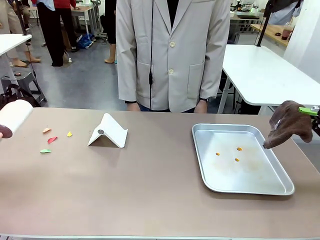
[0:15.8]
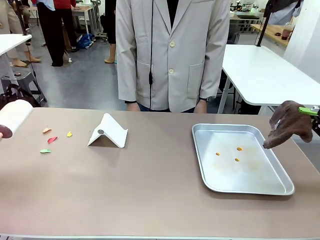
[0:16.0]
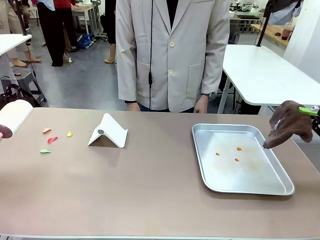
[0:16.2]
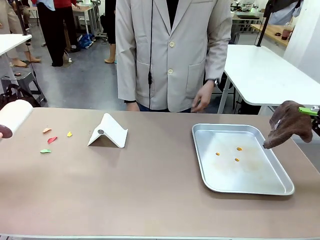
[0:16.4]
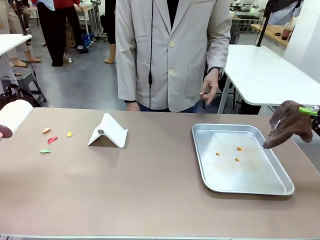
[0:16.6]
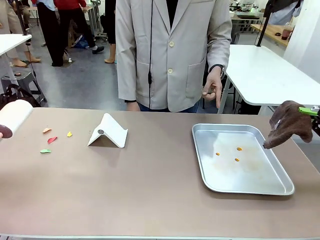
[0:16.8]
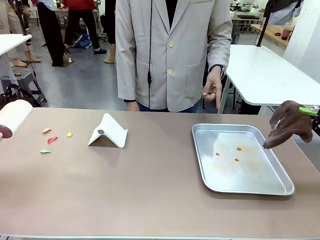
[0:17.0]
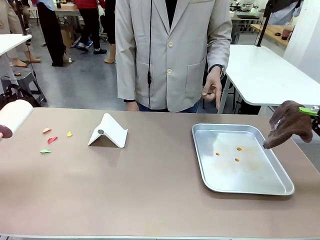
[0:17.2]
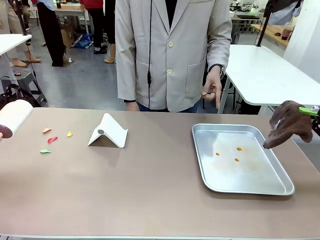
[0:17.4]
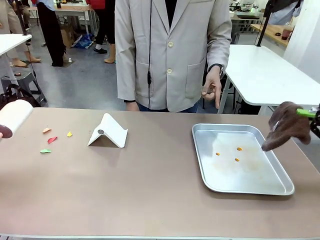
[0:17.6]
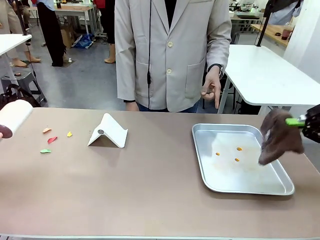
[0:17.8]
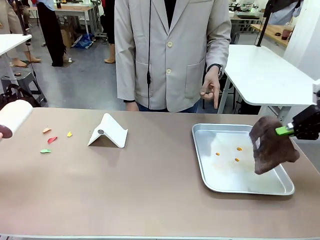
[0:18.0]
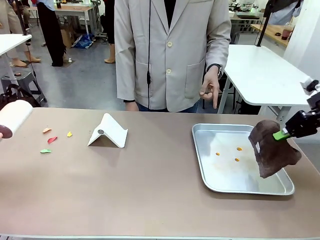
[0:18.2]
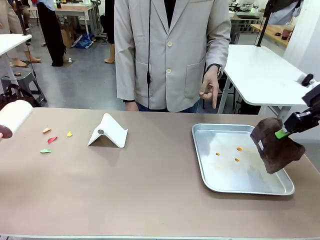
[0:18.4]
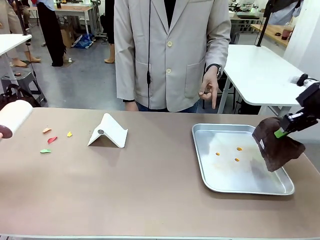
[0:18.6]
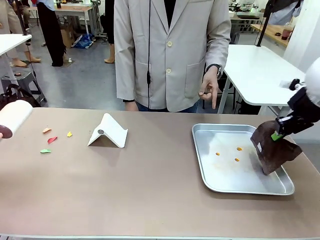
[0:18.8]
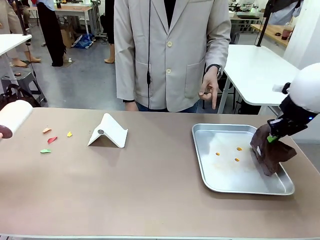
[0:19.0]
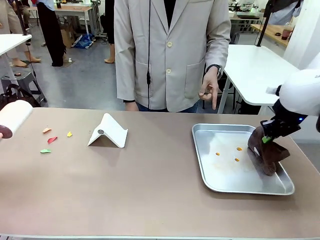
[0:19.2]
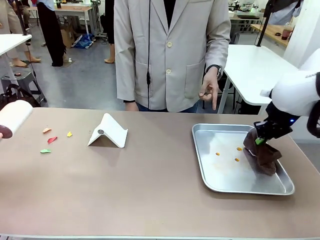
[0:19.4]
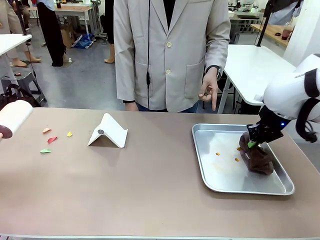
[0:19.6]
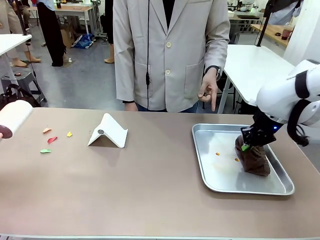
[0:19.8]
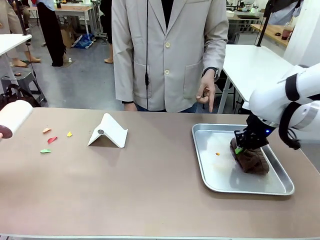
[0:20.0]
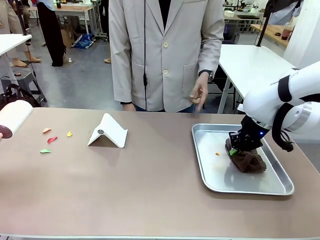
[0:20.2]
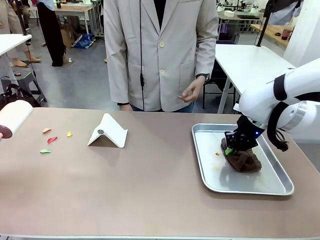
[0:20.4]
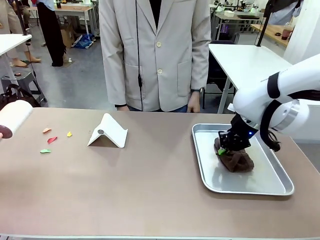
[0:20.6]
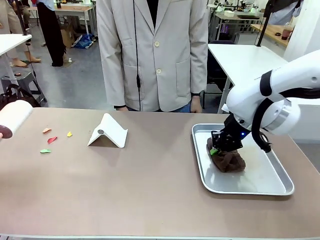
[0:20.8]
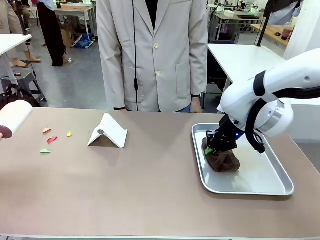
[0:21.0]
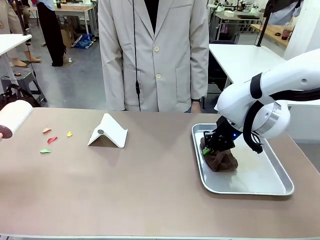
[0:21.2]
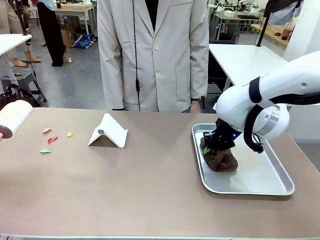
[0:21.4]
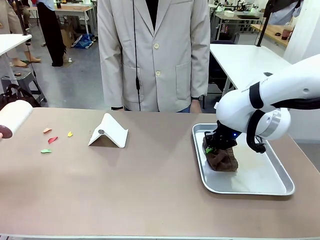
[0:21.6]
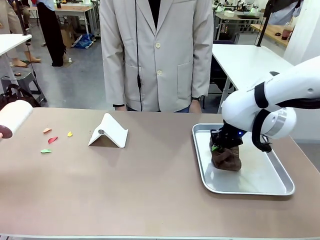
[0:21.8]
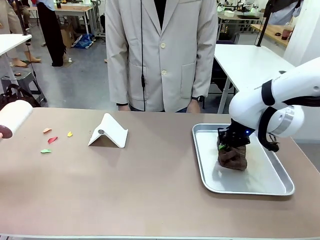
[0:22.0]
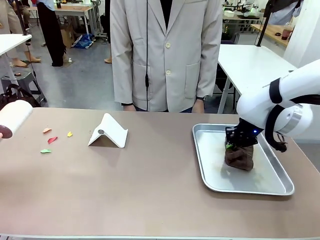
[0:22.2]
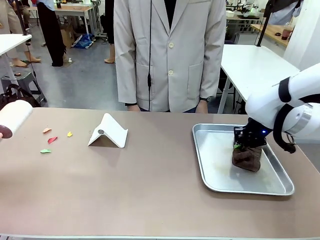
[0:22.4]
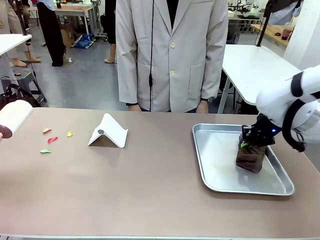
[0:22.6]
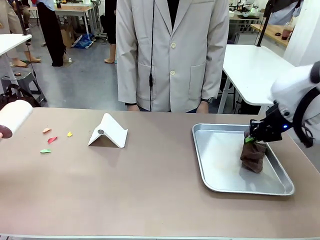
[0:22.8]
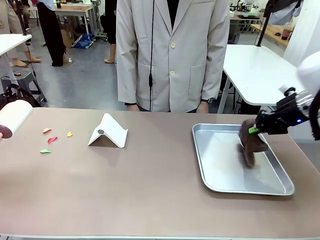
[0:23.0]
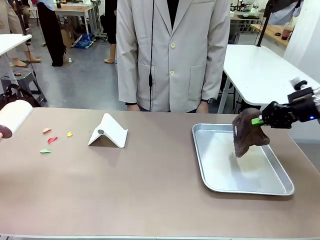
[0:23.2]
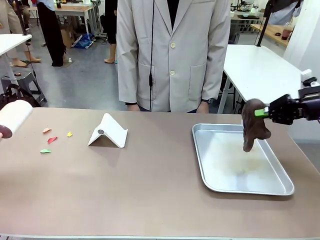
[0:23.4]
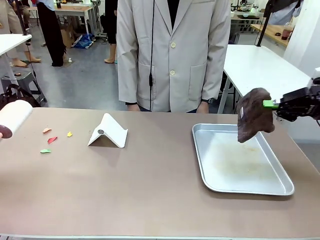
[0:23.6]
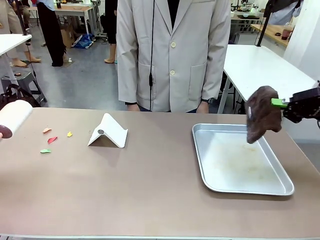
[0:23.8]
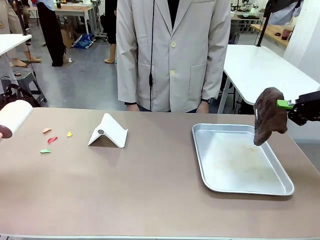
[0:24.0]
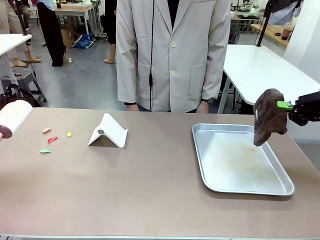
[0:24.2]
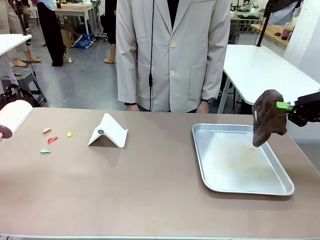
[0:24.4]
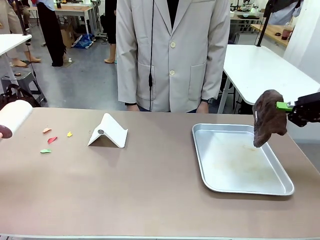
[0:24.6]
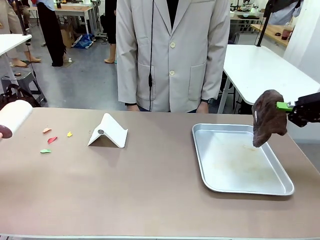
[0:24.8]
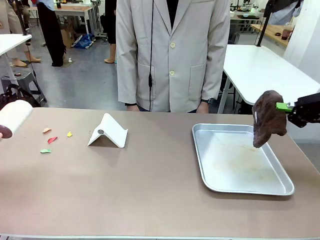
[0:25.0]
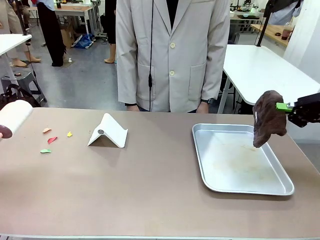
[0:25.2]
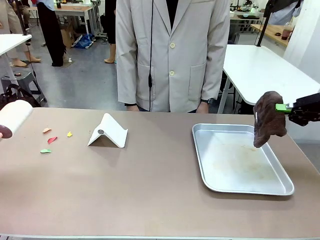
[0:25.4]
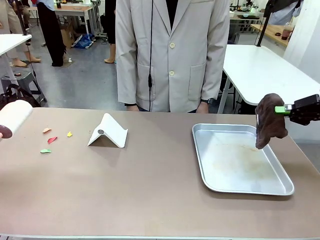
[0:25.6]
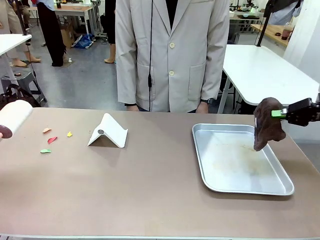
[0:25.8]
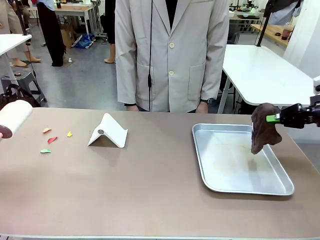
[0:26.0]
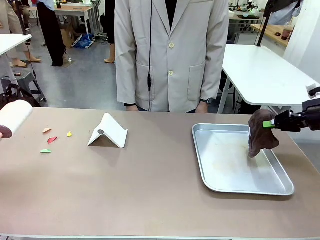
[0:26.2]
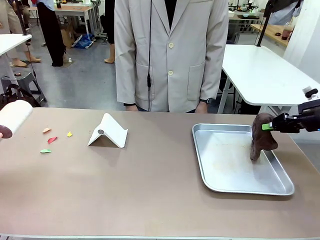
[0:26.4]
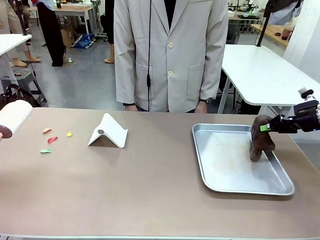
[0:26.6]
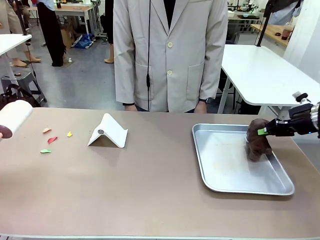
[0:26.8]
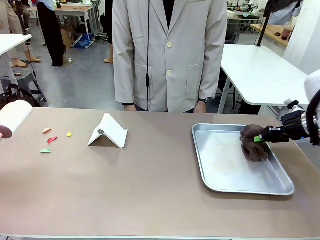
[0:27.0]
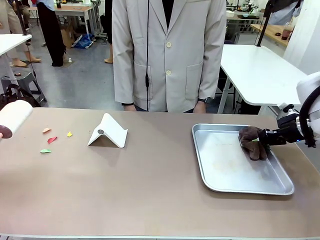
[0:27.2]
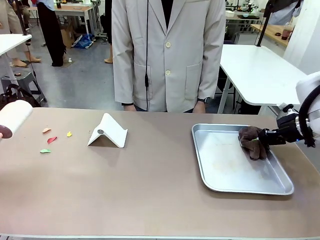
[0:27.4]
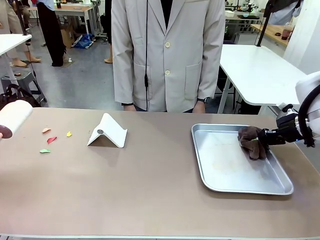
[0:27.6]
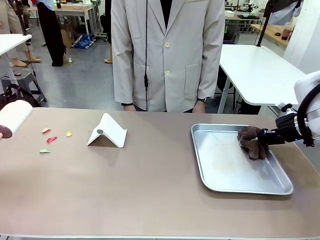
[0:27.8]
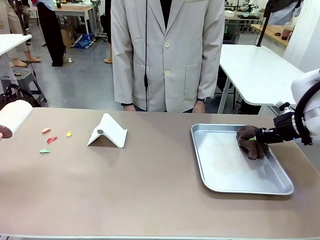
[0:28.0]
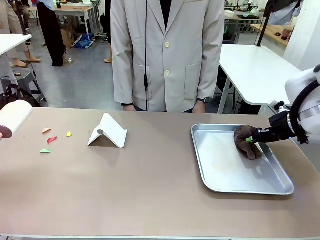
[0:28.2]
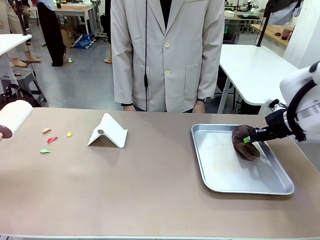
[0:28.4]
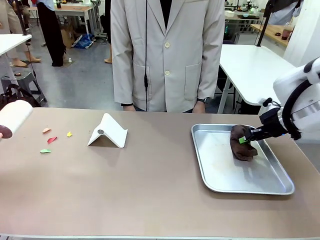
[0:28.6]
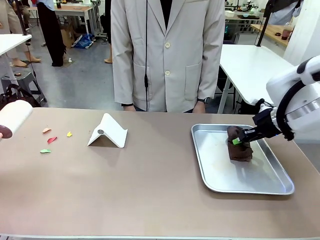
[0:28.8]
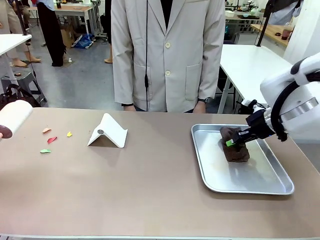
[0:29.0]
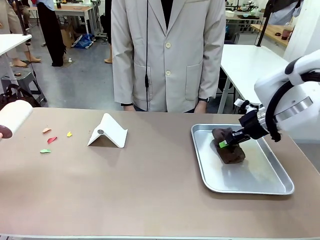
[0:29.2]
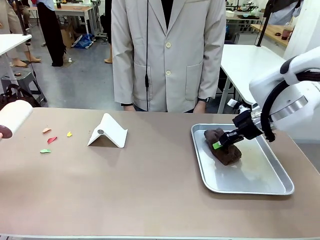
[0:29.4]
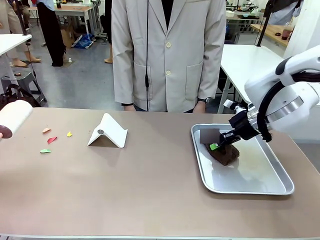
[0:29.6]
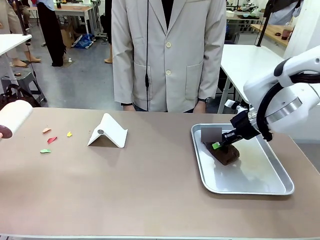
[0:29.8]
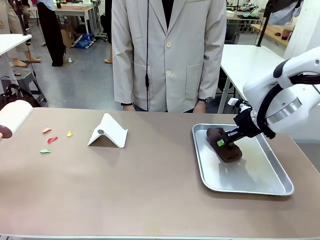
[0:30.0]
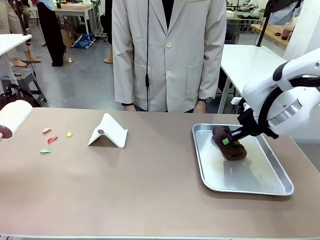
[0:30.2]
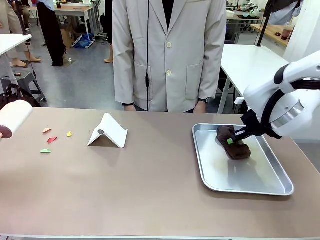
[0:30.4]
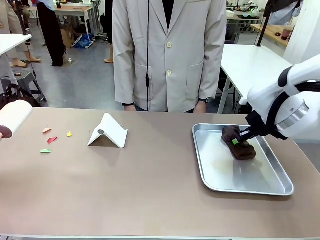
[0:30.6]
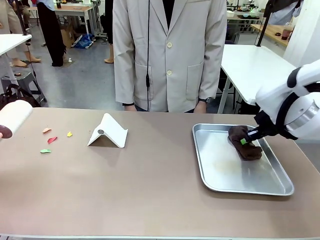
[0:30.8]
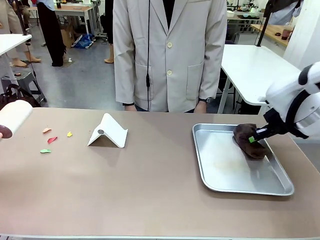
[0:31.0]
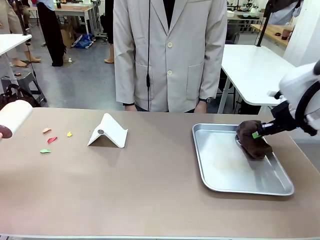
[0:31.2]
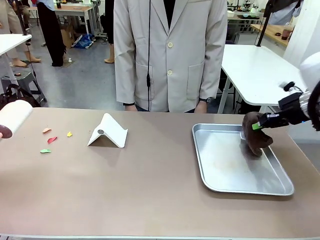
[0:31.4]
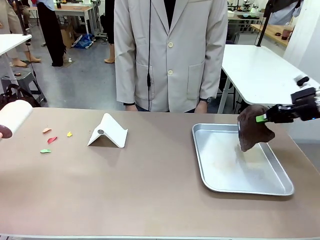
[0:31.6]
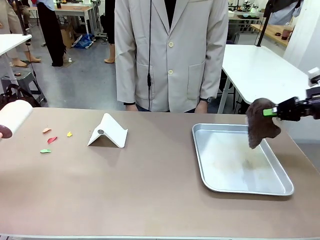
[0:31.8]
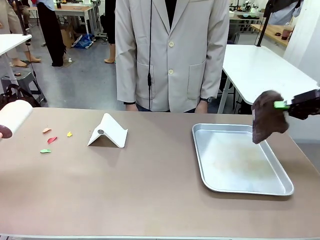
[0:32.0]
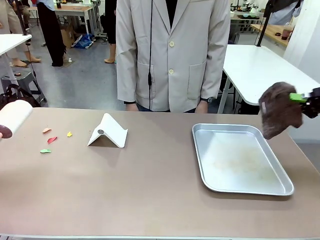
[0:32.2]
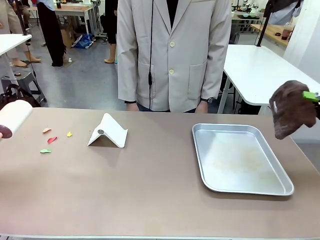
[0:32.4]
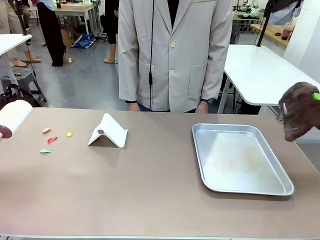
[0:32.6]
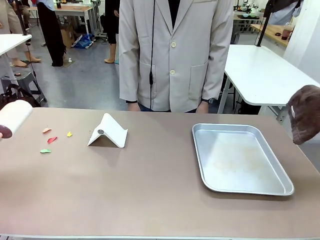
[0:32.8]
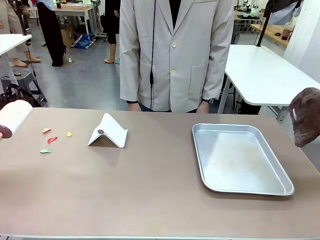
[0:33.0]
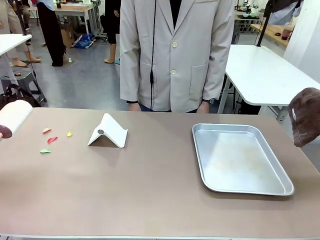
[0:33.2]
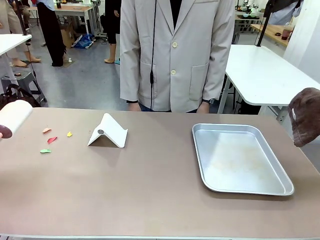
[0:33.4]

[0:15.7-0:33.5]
Task: Clean the surface of the table.
Robot: If a person points to the right, clean the right side of the table with your right hand, and if they point to the left, clean the left side with your left hand.
